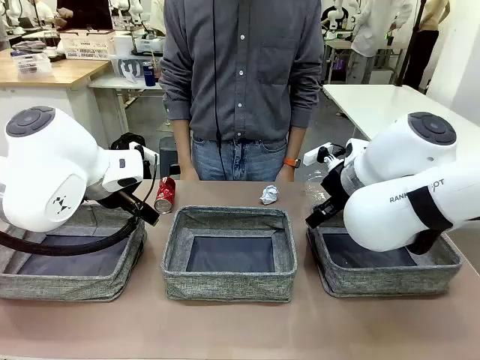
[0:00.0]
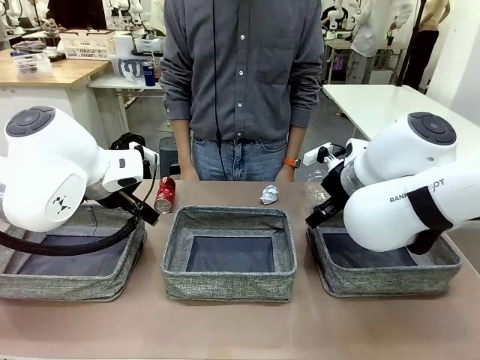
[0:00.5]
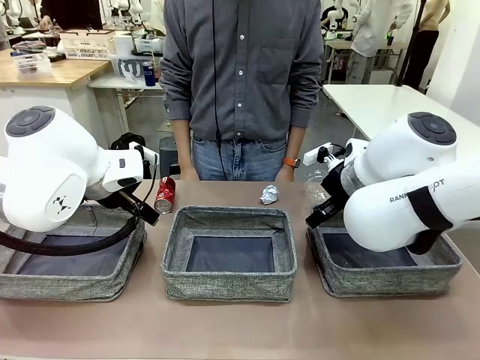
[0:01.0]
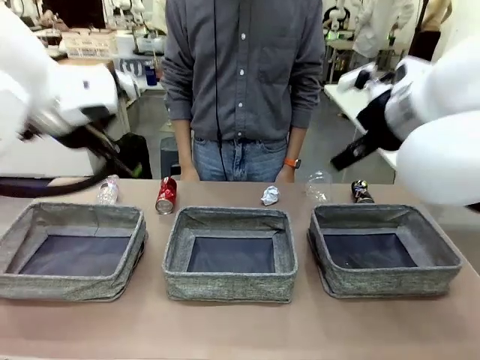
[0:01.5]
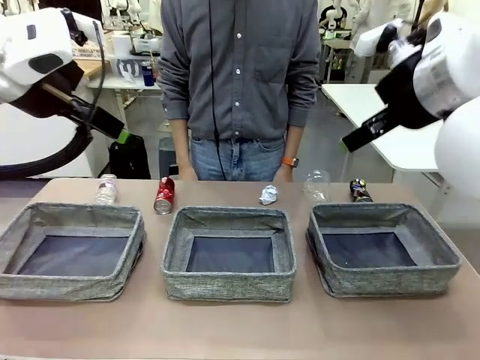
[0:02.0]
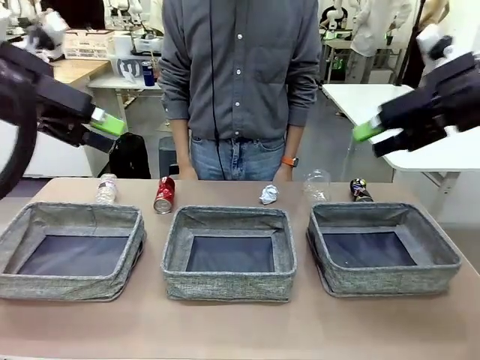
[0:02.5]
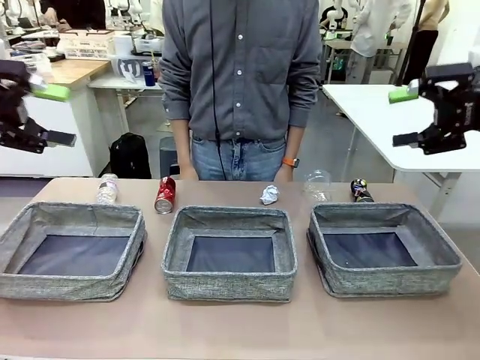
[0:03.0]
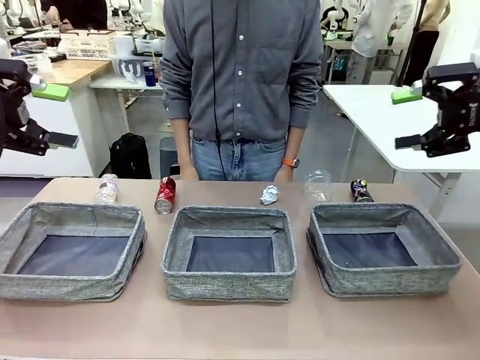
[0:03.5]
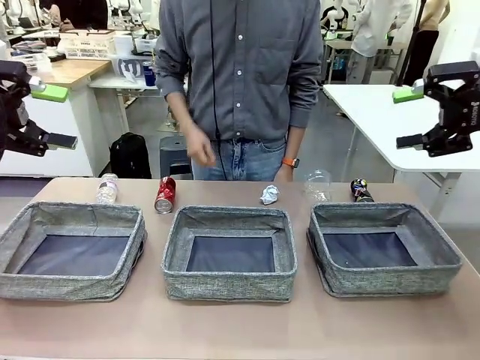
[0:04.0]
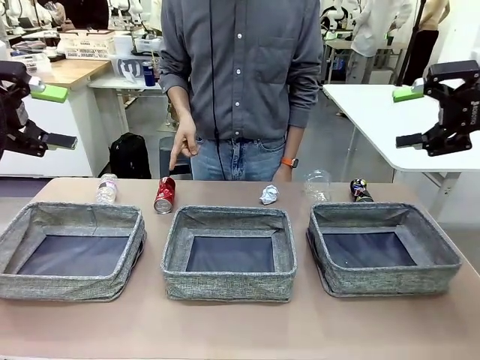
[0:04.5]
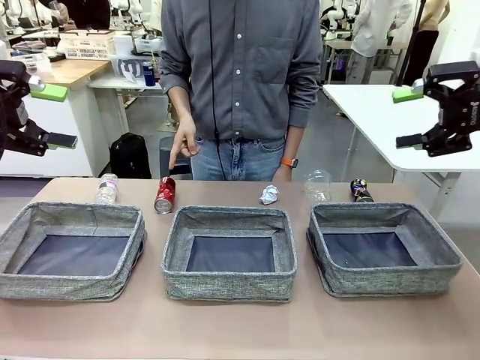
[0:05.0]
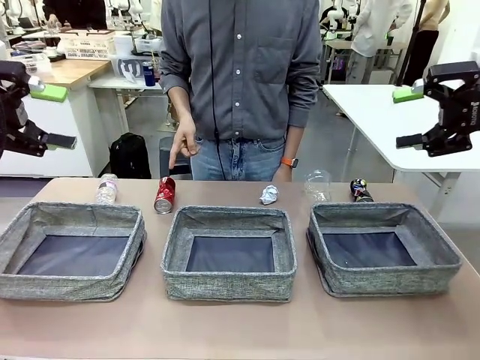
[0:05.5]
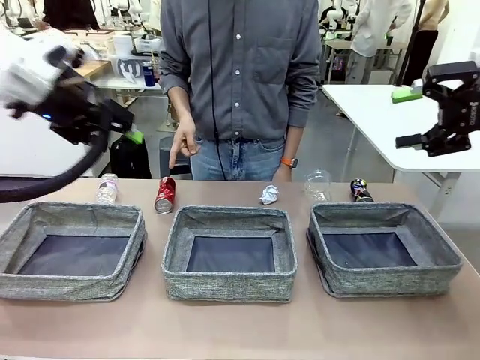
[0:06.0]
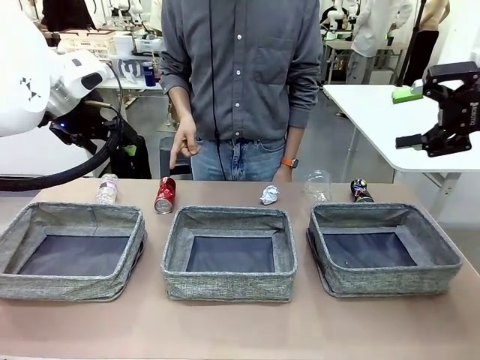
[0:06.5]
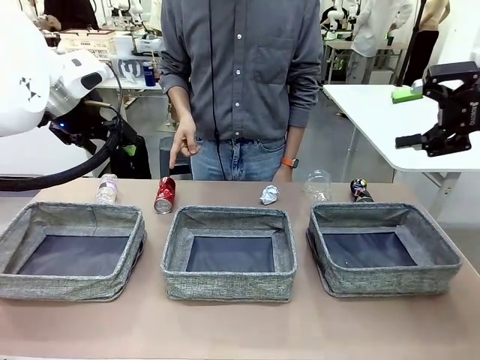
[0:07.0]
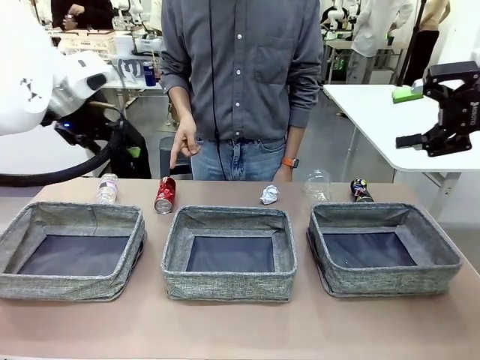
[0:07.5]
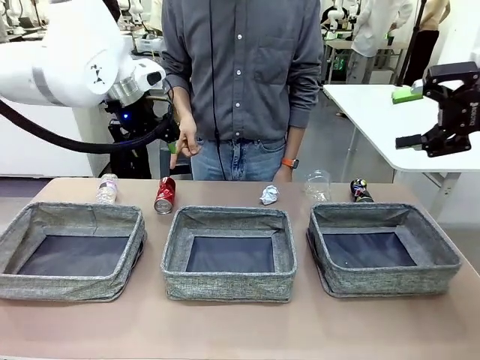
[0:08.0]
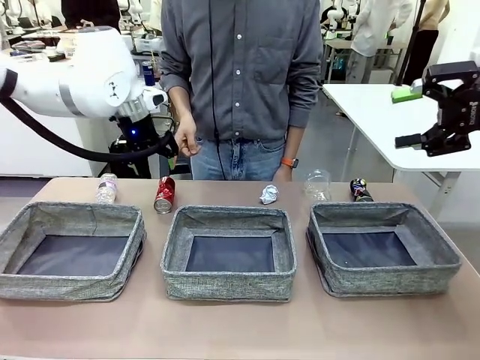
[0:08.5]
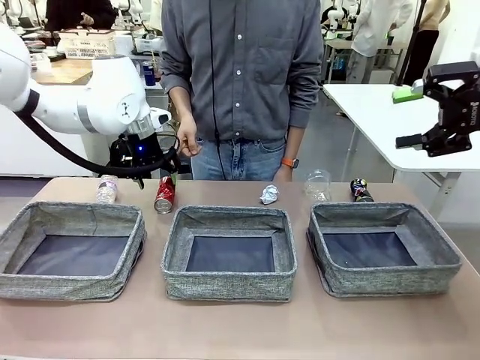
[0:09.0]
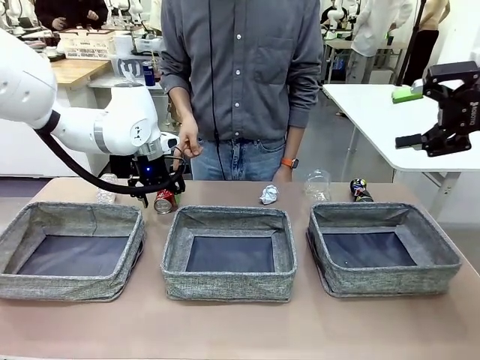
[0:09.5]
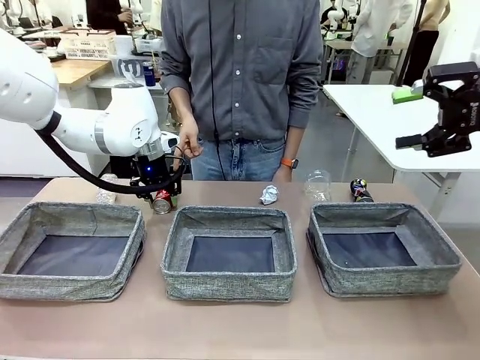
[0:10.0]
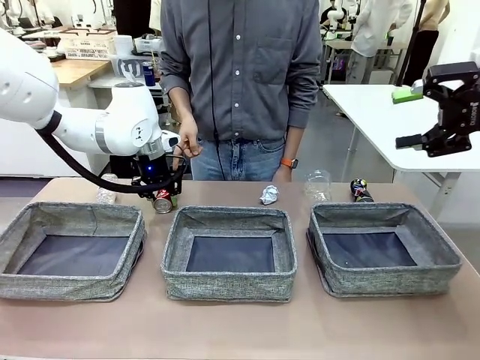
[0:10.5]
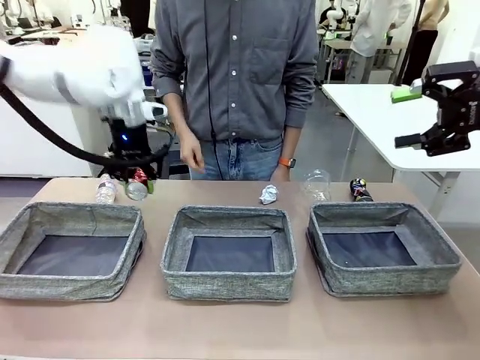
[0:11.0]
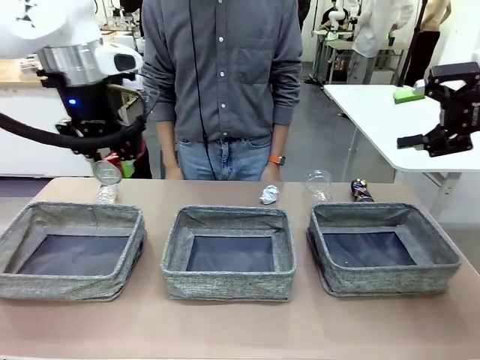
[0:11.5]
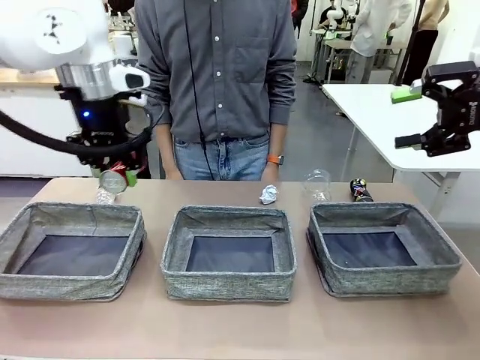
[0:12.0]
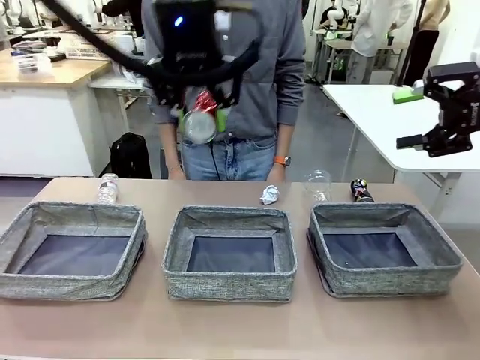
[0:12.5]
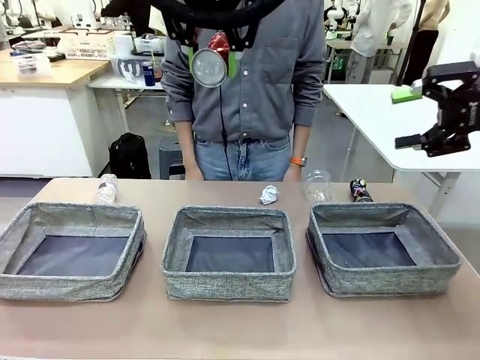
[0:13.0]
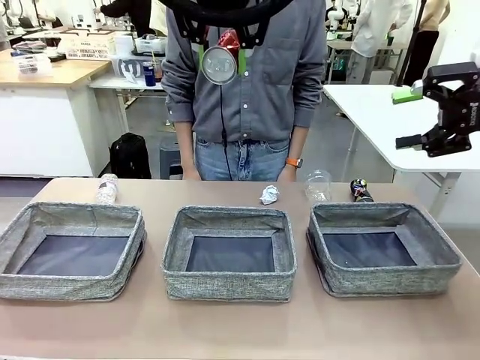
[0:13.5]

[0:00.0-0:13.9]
Task: Sort the waste into the appropriate baskets.
Robot: Pick up the waste item pointed out by the person.
Person: Points to one piece of trash on the table.

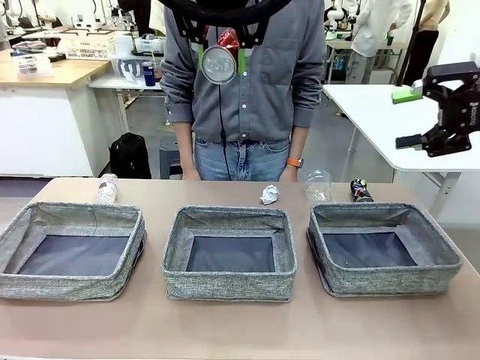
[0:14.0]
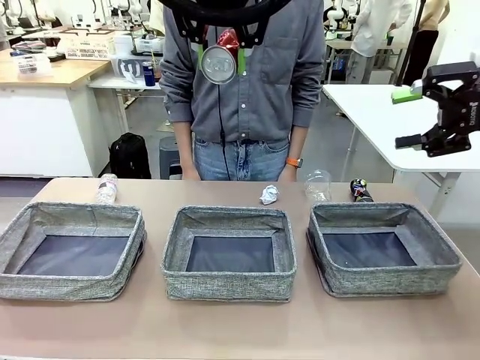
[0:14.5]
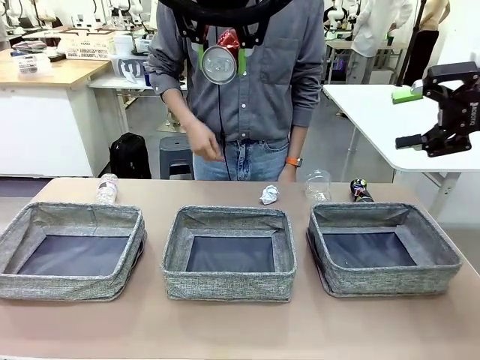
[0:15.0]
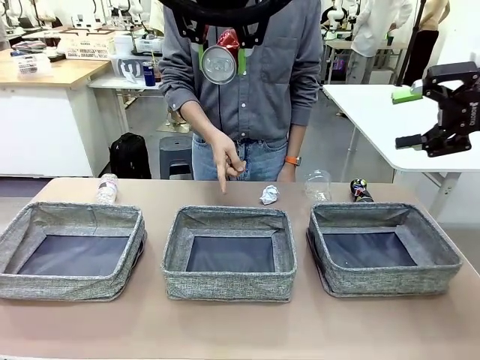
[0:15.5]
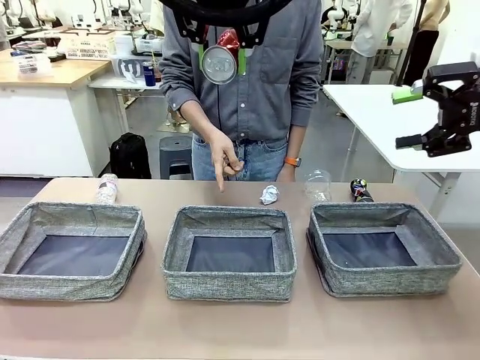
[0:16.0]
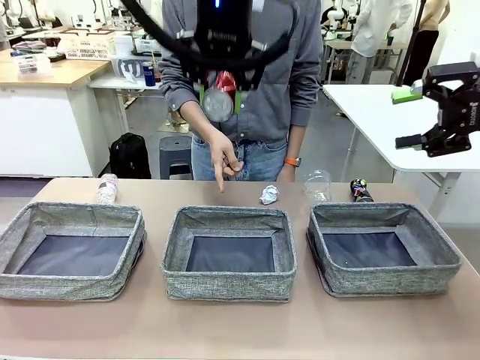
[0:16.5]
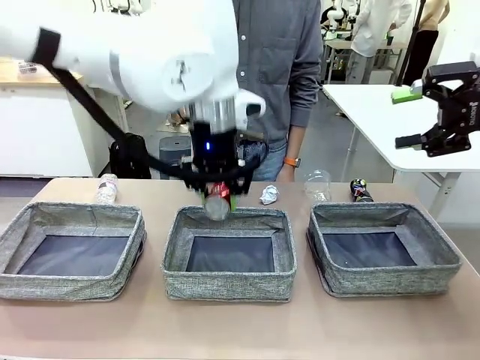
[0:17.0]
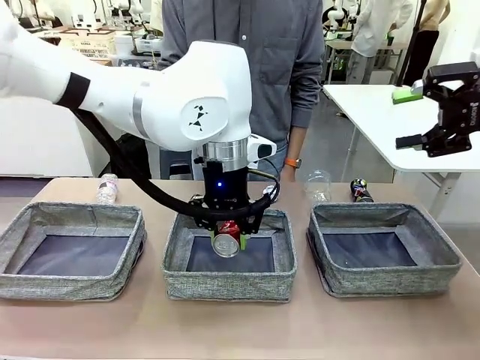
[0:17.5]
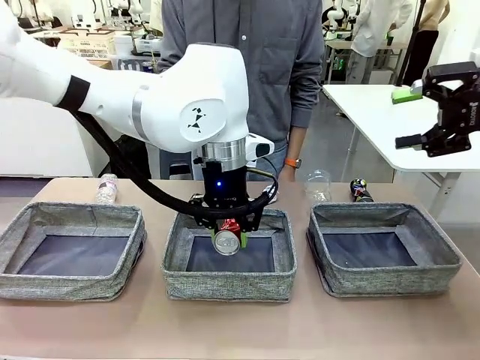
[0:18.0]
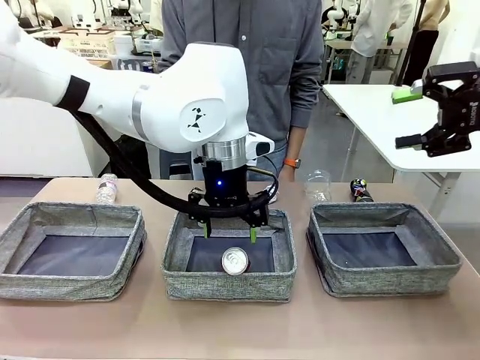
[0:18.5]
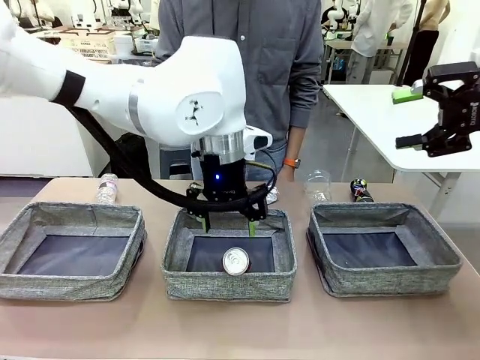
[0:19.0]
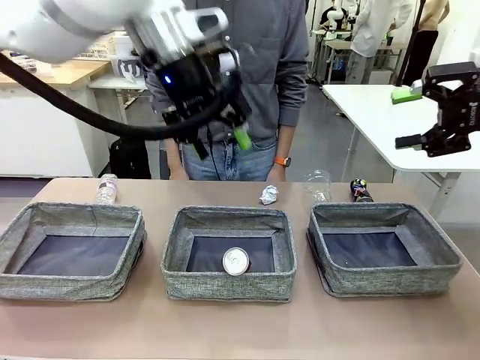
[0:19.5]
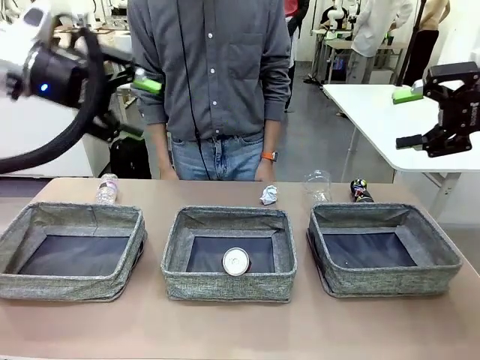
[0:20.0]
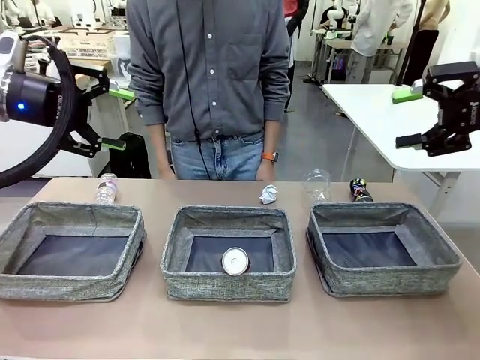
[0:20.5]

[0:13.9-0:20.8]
Robot: Place the picked waste into the Fabric basket indicated by the person.
Person: Instructs the robot to place the picked-up trash into the appropriate organizing basket.

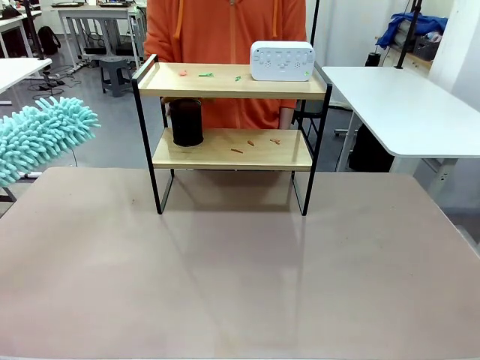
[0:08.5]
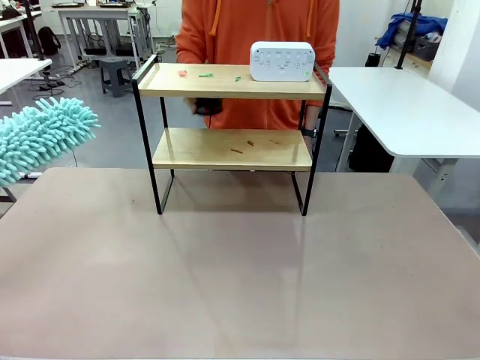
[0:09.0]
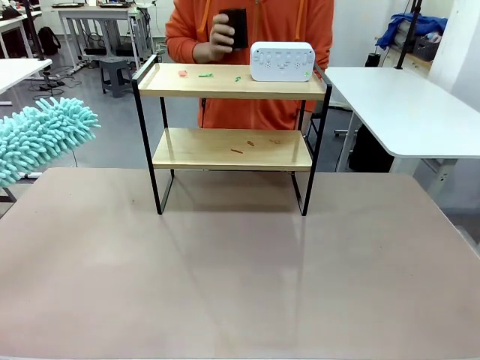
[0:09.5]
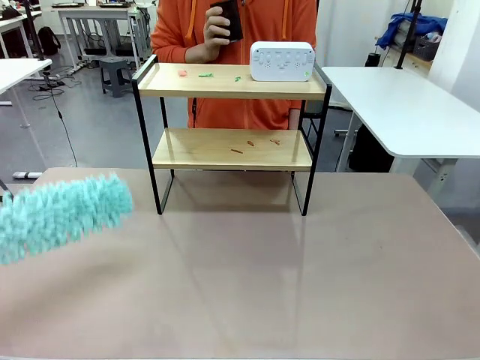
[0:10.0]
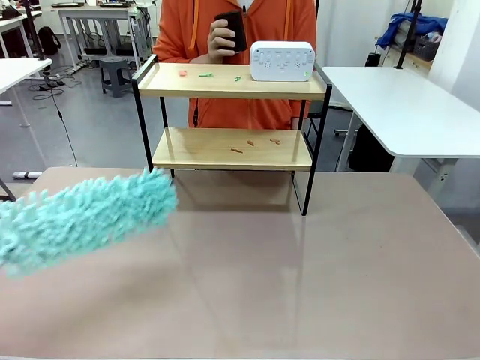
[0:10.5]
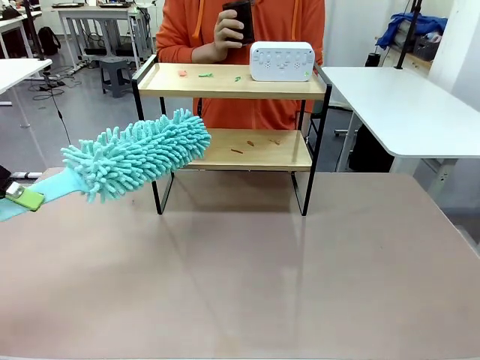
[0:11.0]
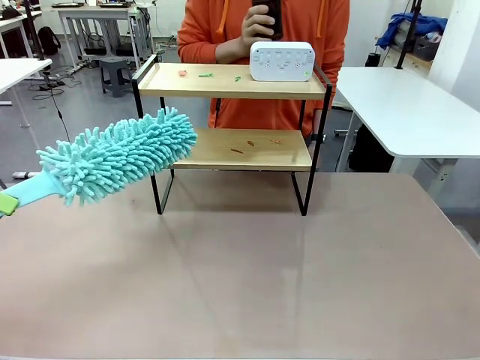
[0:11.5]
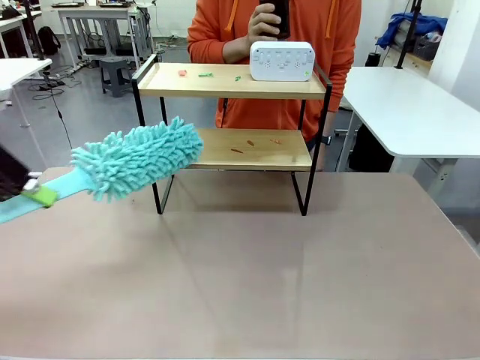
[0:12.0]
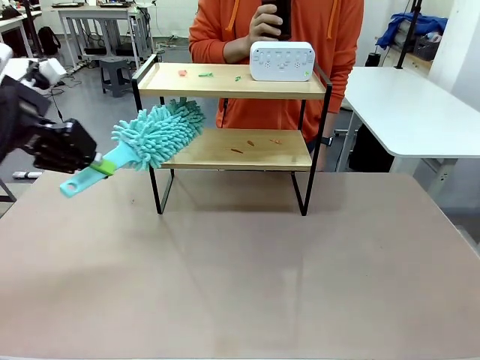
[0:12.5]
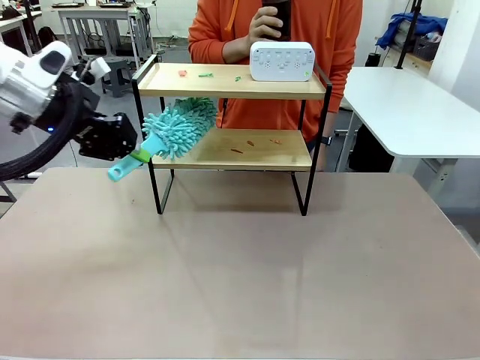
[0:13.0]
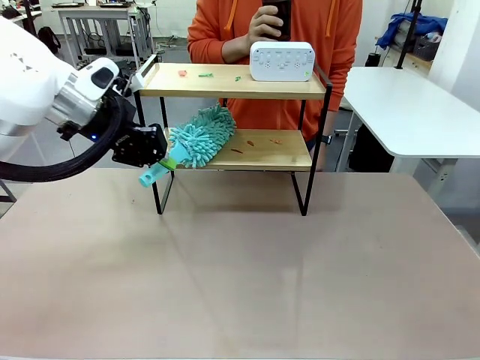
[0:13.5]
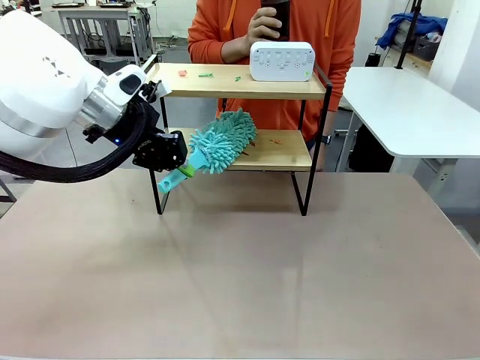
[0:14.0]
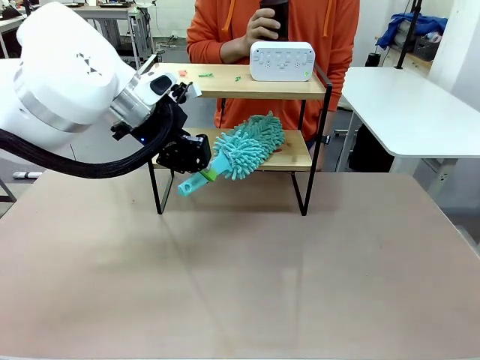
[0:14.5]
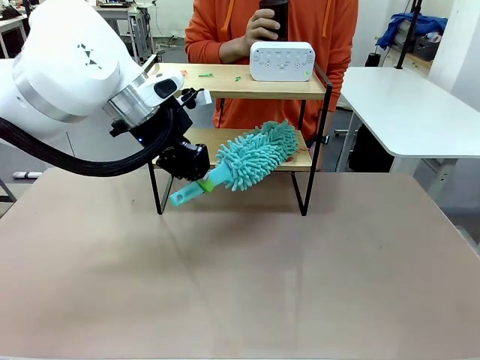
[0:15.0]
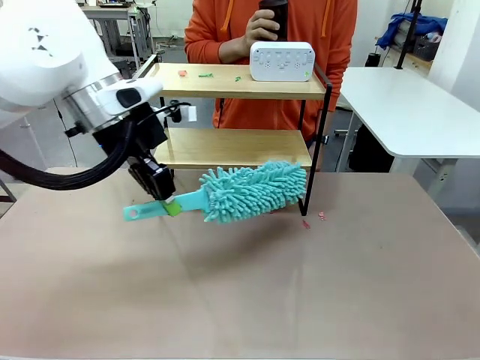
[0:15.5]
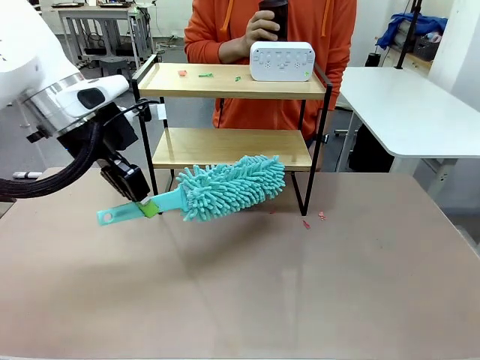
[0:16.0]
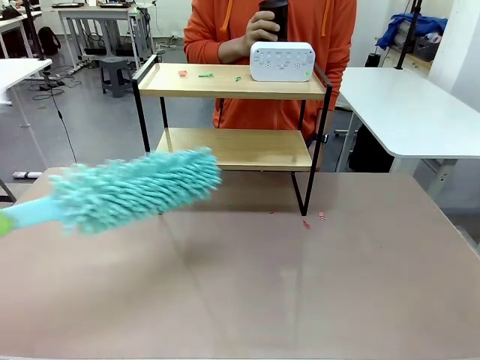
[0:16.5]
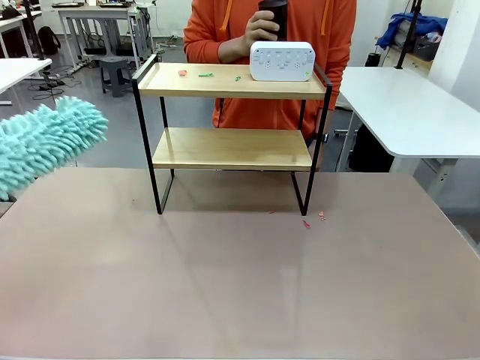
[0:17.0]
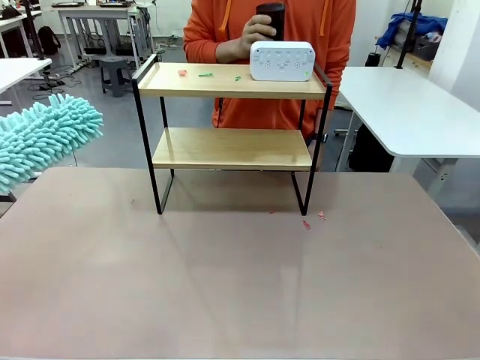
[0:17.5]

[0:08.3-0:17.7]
Task: Clean the shelf.
Robot: Clean the specific tier of the Shelf with the Duster once objects are removed.
Person: Lift the objects on a randomly selected tier of the Shelf. Once the robot finishes cleaning, lift the objects on the remaining tiers of the Shelf.
